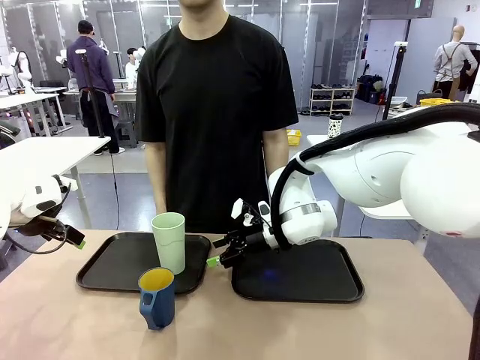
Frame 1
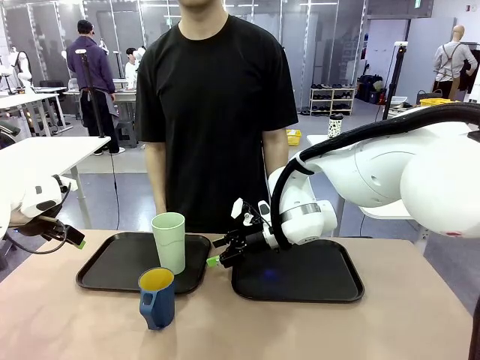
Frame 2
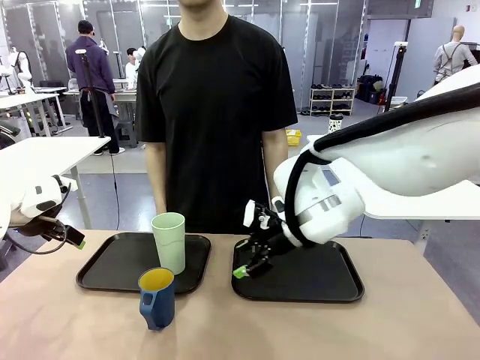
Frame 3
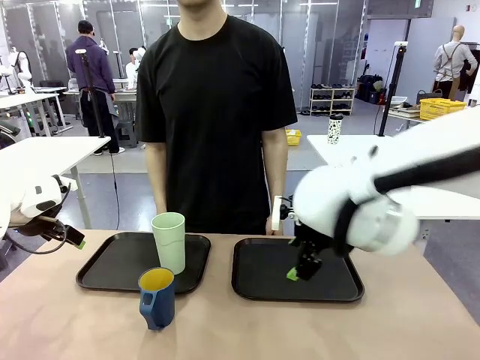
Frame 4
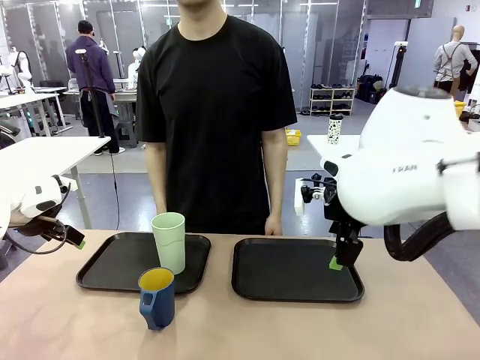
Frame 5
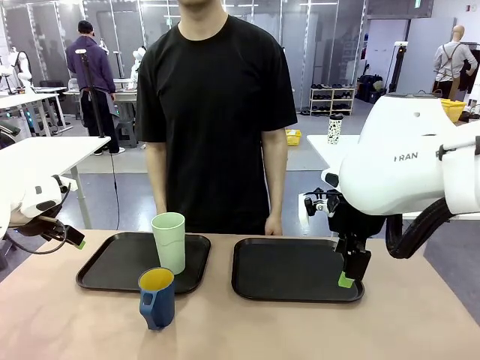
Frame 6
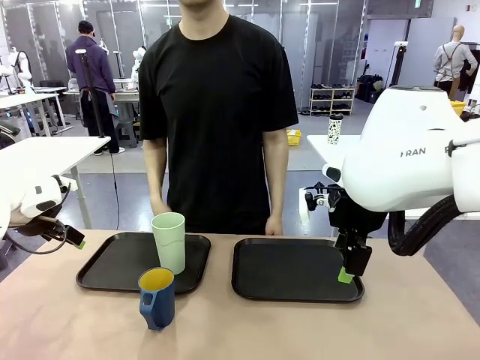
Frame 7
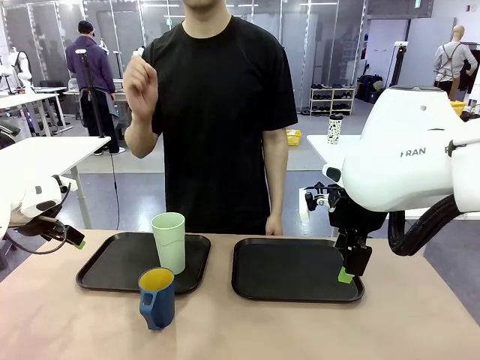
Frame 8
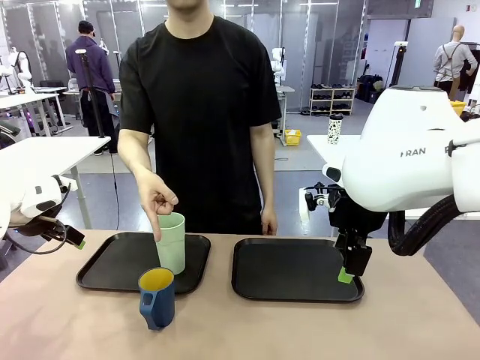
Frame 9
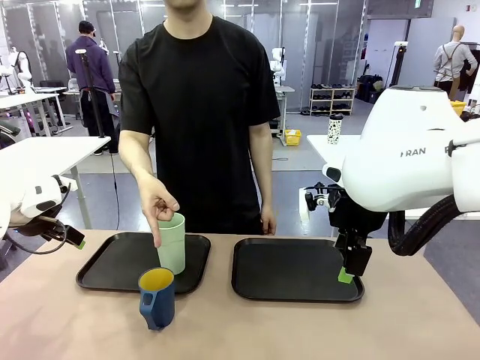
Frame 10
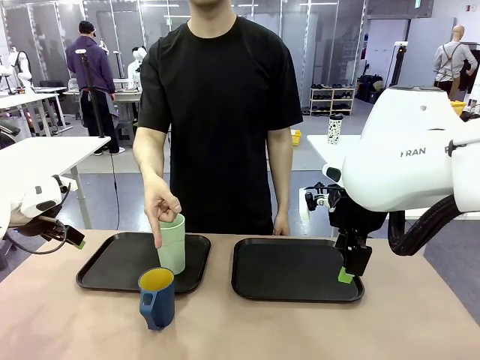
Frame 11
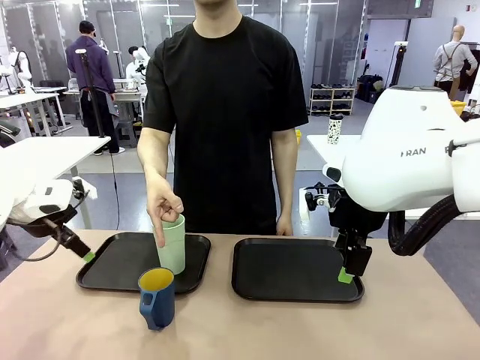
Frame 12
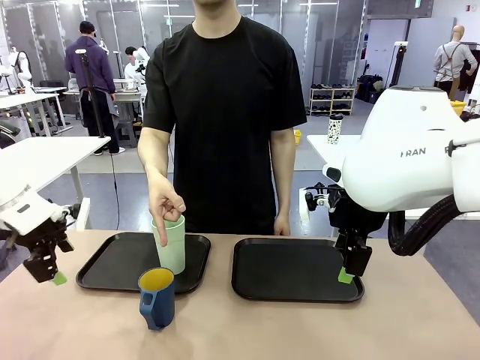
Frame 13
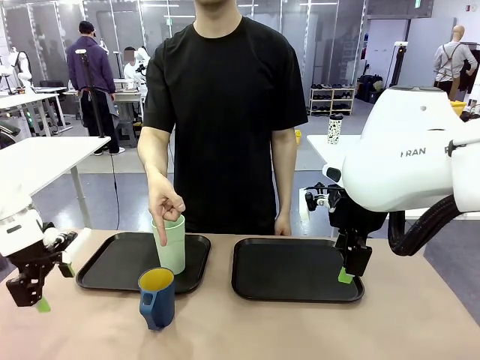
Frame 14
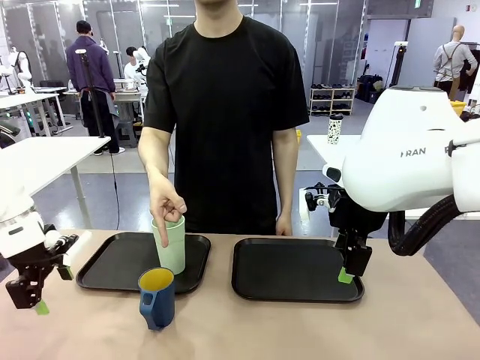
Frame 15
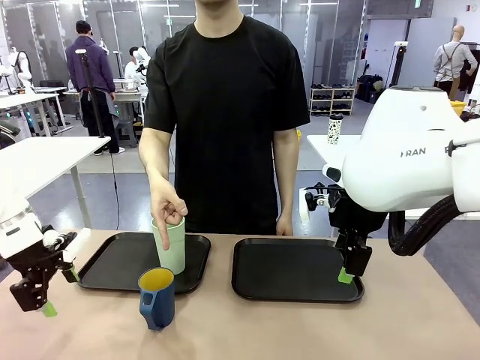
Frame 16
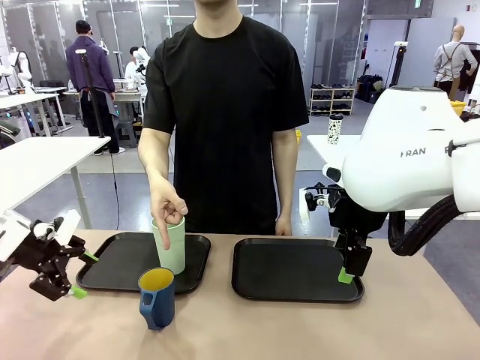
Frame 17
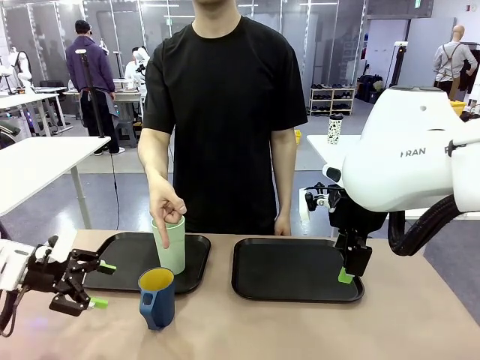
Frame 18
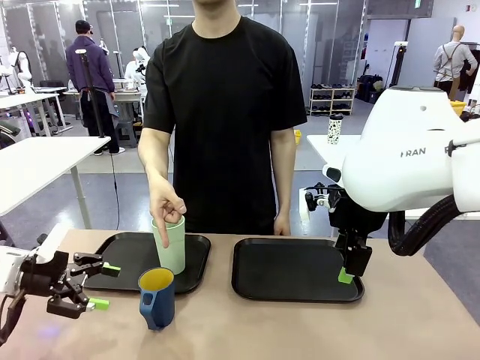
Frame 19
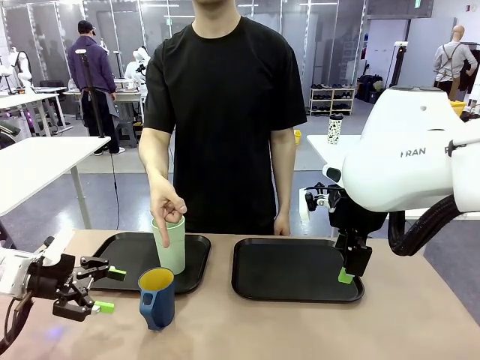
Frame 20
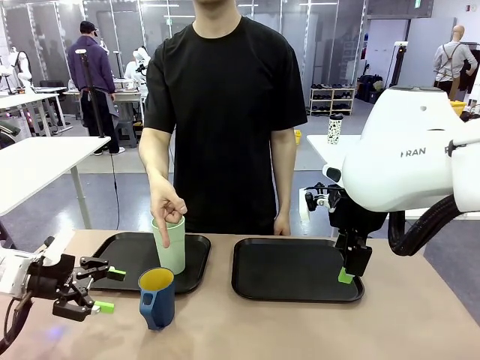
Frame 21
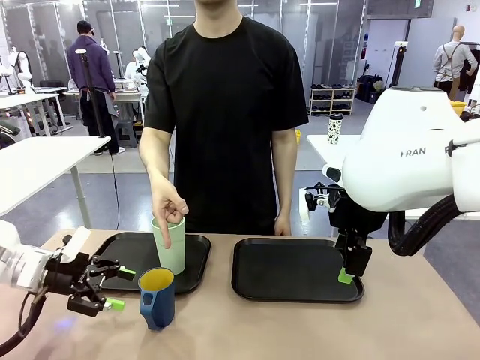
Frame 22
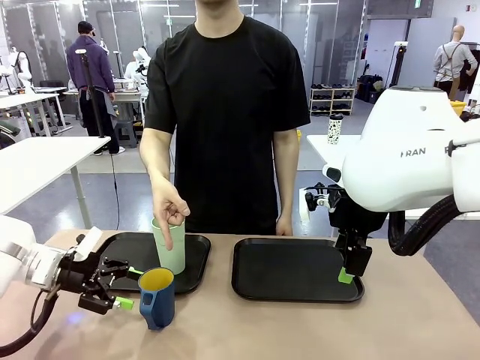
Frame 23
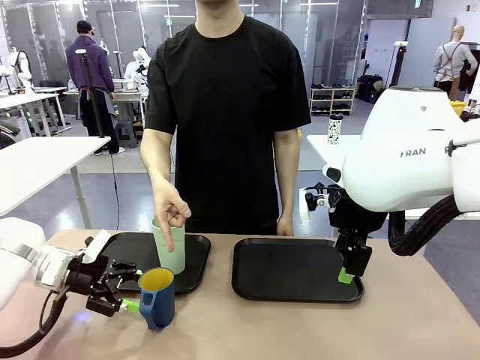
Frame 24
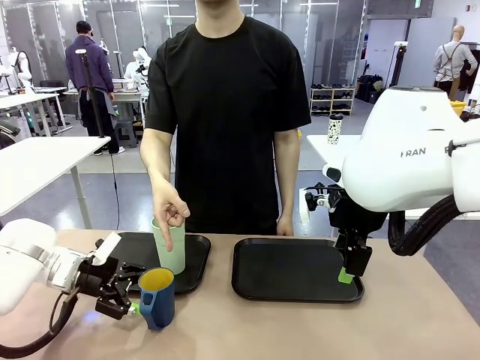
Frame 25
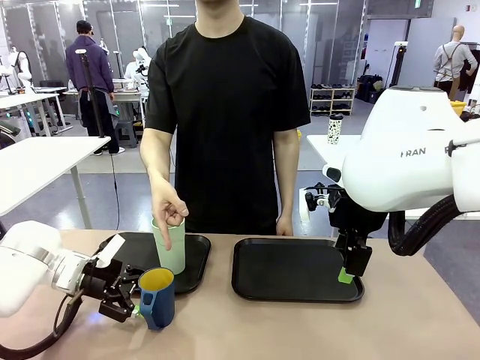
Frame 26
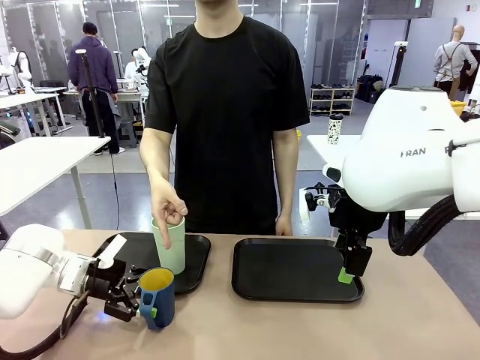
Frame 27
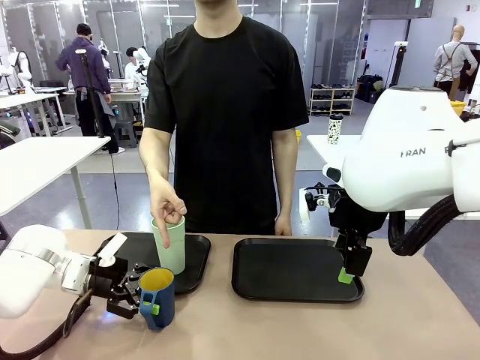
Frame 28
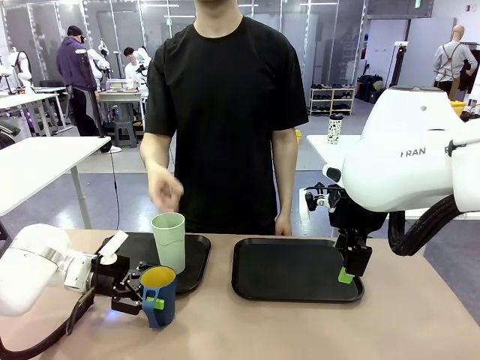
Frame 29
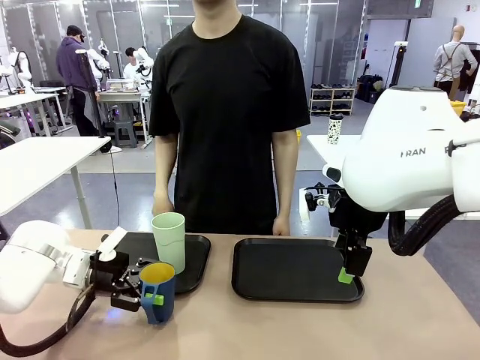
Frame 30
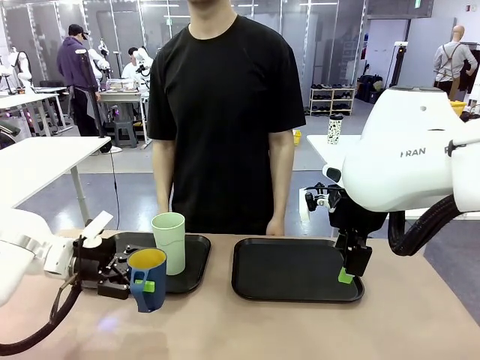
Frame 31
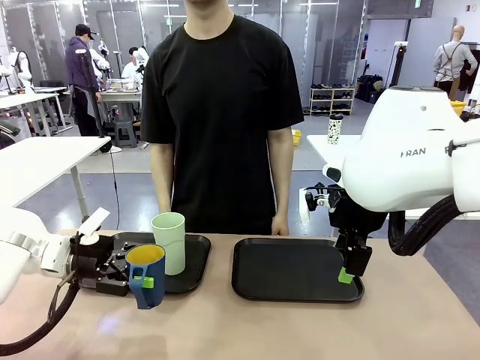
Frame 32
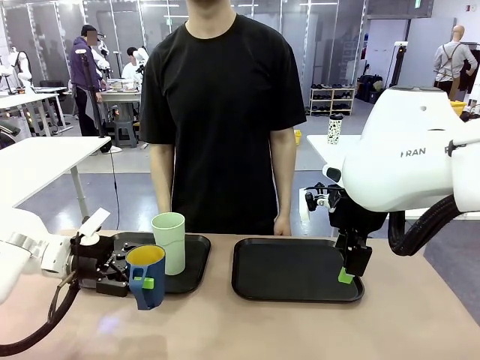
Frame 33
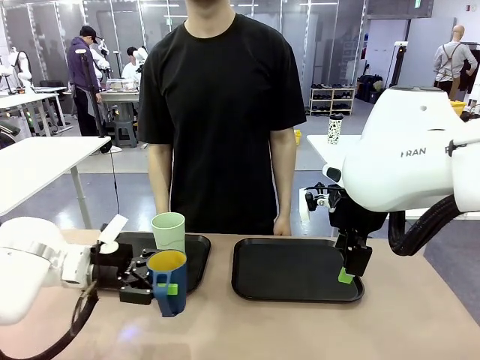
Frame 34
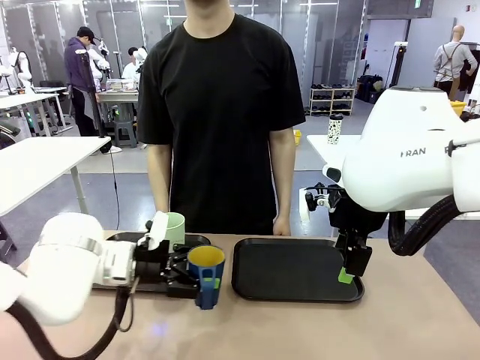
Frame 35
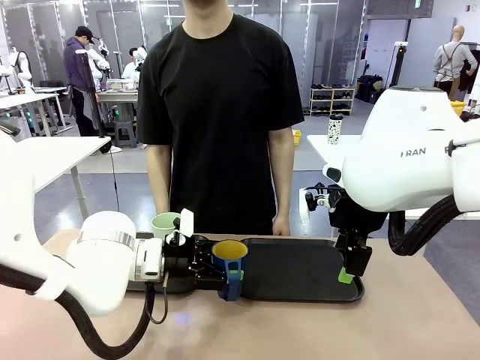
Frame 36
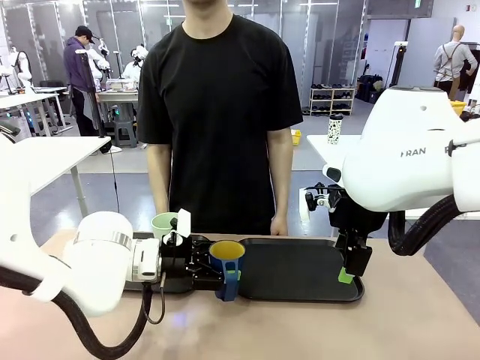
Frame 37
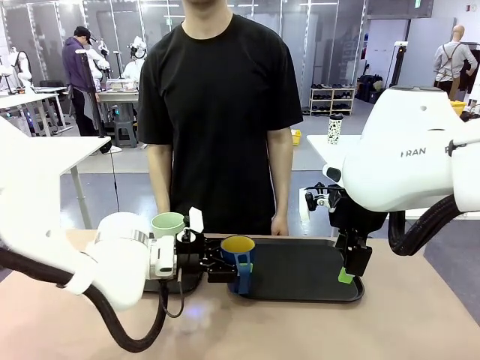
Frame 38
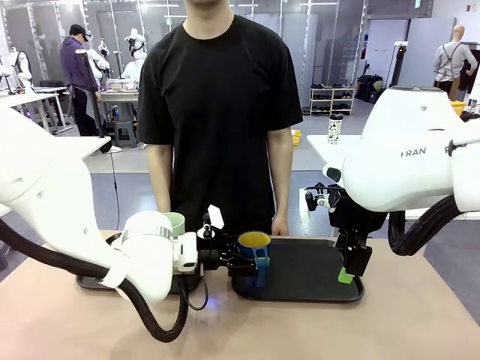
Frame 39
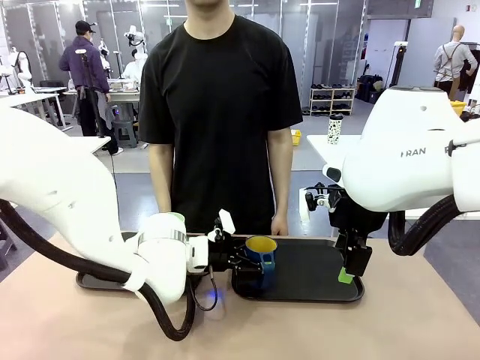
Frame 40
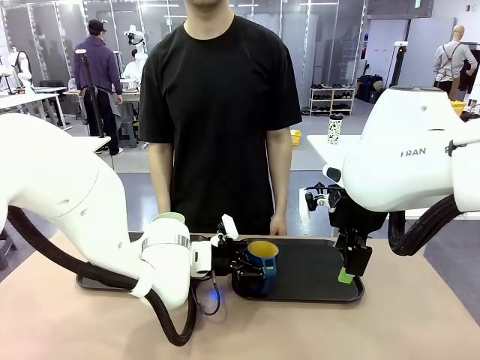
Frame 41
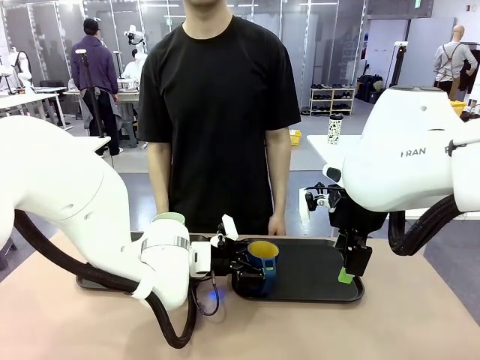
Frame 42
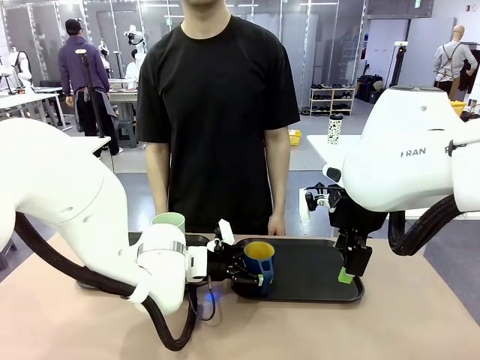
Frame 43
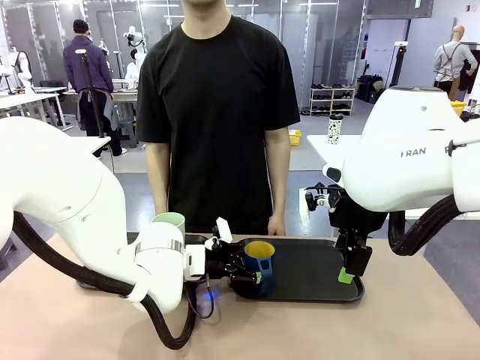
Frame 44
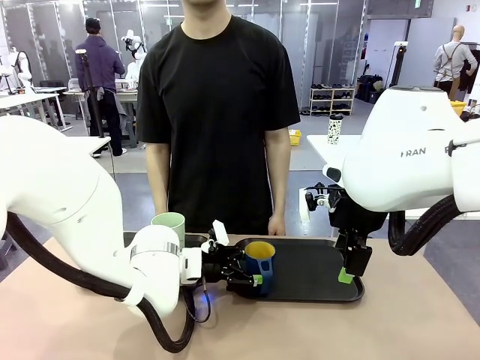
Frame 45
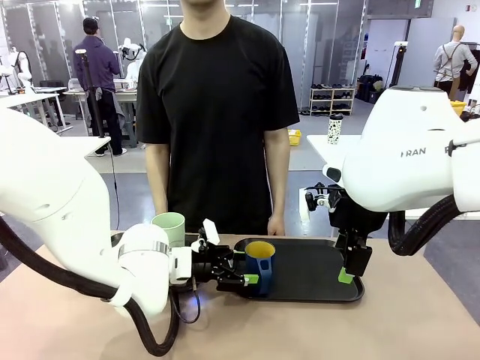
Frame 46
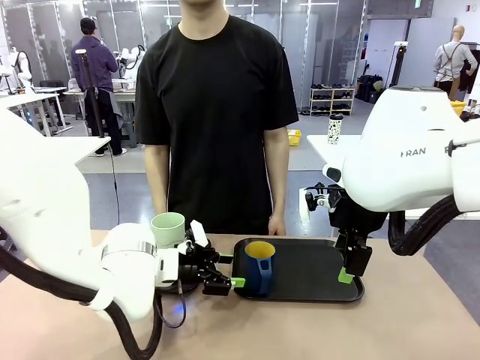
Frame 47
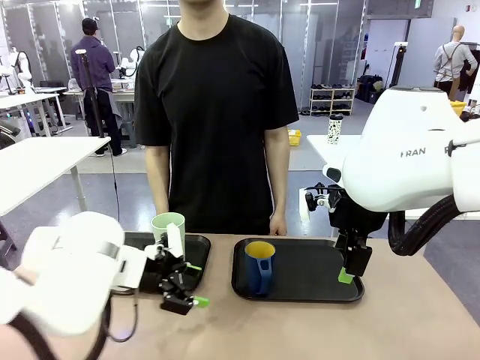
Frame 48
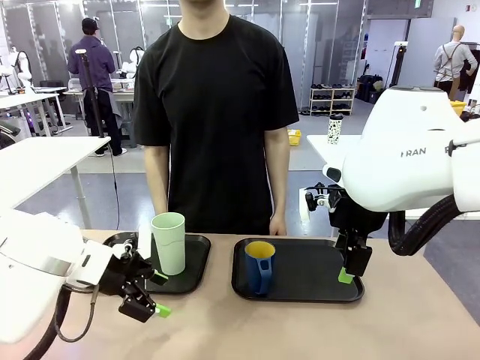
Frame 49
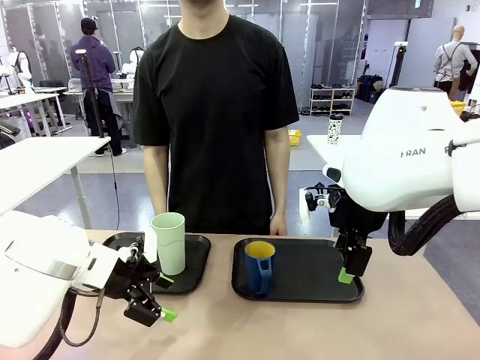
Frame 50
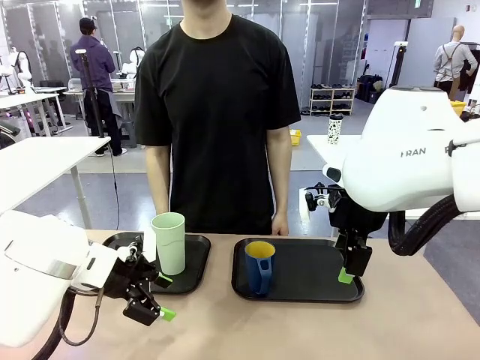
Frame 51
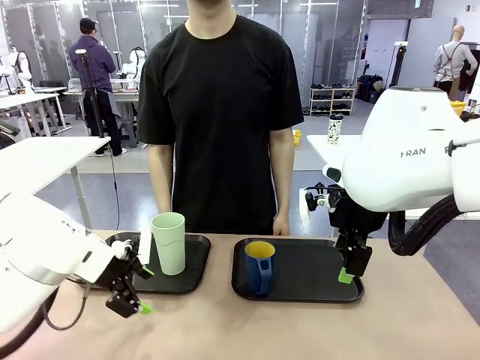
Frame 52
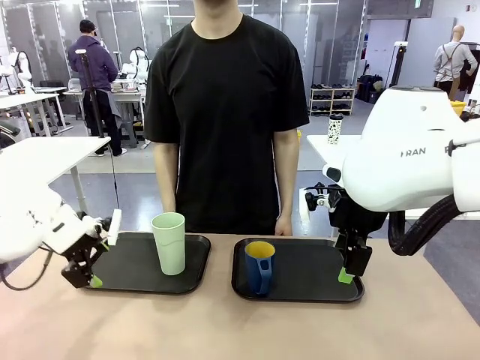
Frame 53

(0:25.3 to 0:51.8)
Task: Sort and store the cups by type.
Robot: Pick up the Handle plastic cup and place it into the empty Flat Tray.
Person: Points to the cup with a handle.
